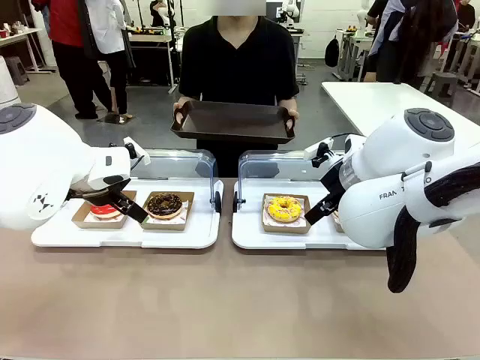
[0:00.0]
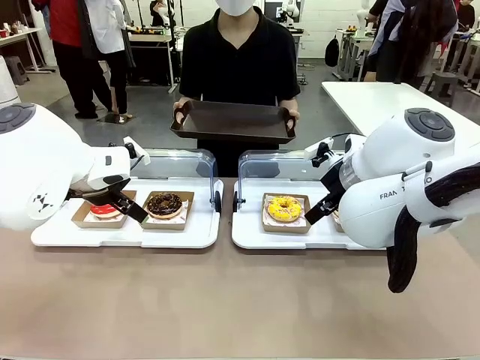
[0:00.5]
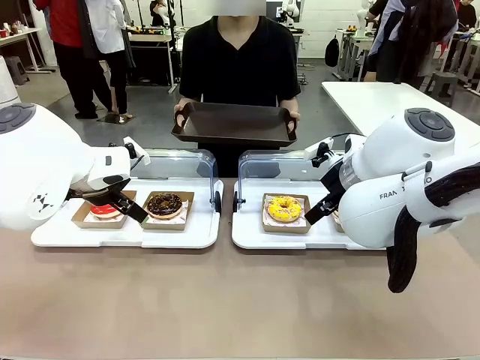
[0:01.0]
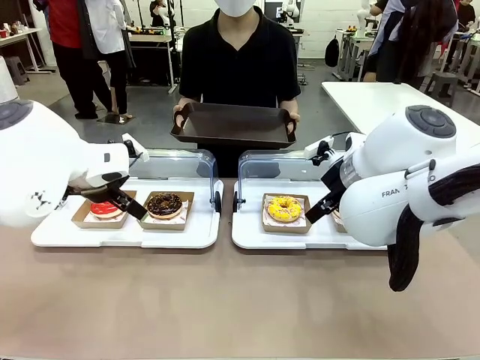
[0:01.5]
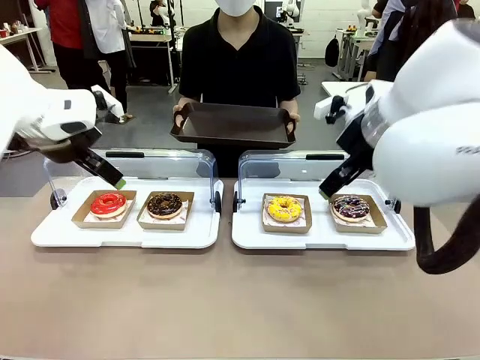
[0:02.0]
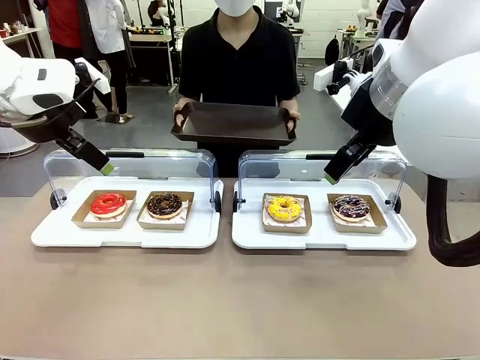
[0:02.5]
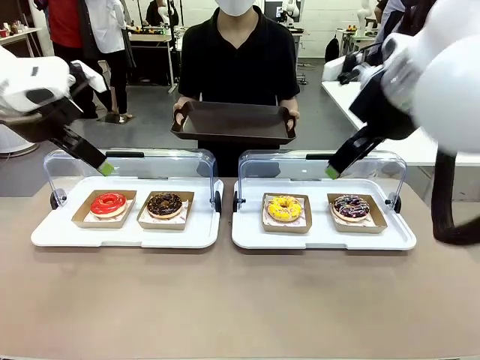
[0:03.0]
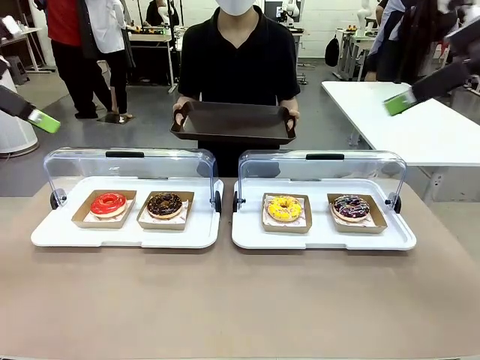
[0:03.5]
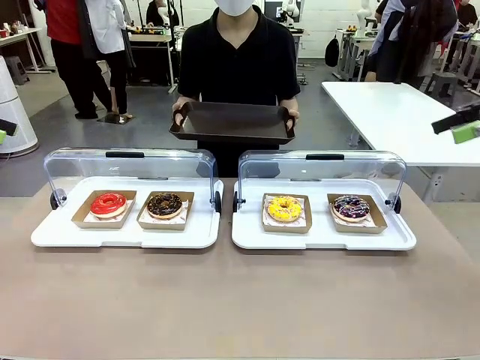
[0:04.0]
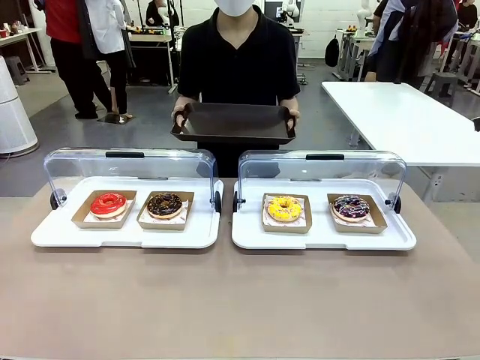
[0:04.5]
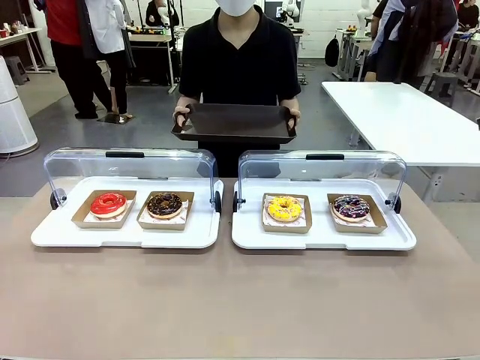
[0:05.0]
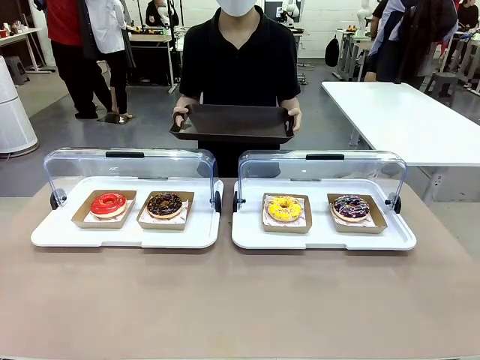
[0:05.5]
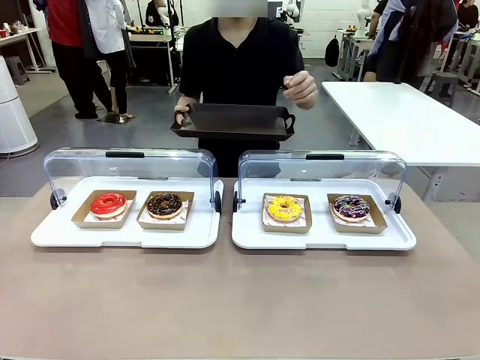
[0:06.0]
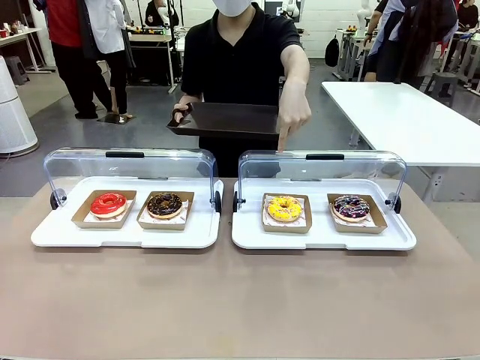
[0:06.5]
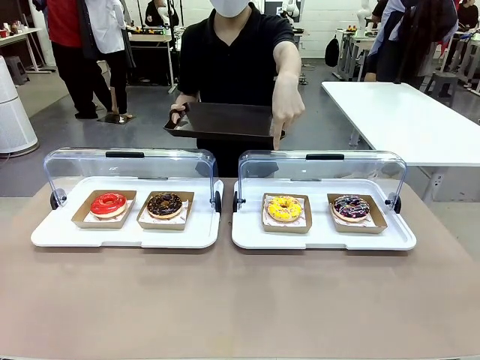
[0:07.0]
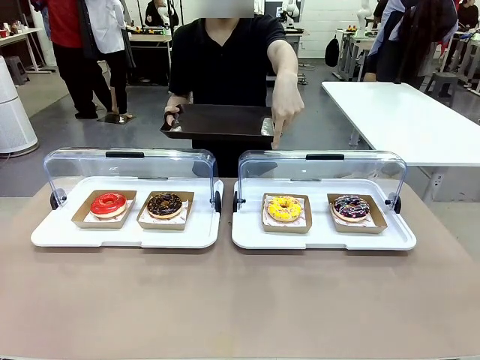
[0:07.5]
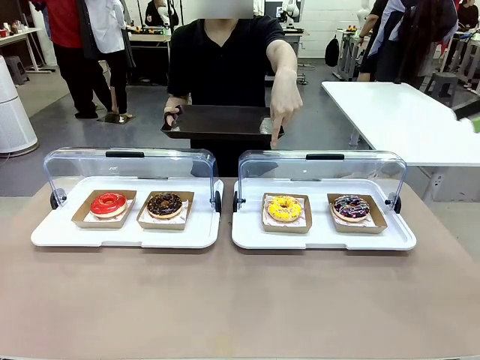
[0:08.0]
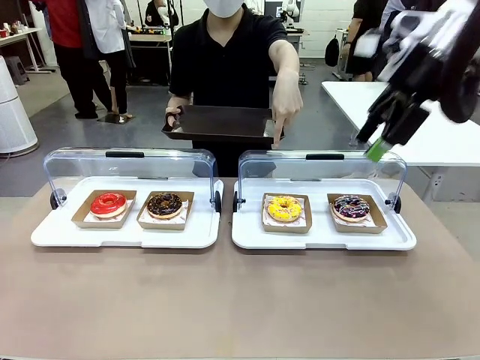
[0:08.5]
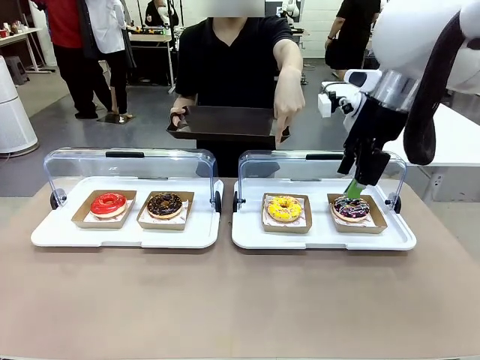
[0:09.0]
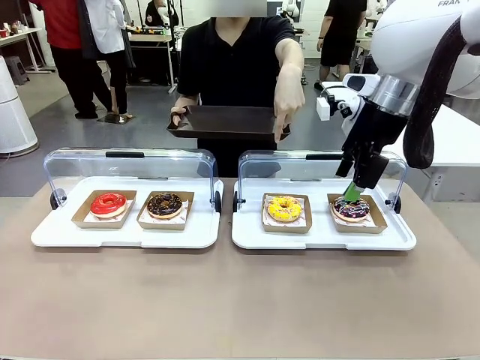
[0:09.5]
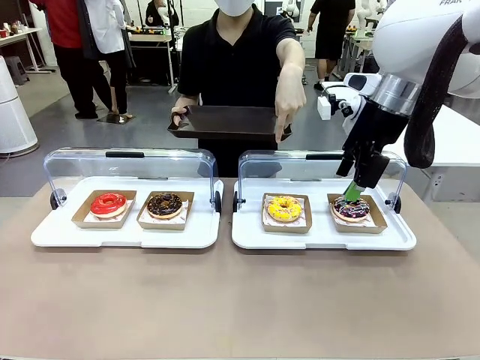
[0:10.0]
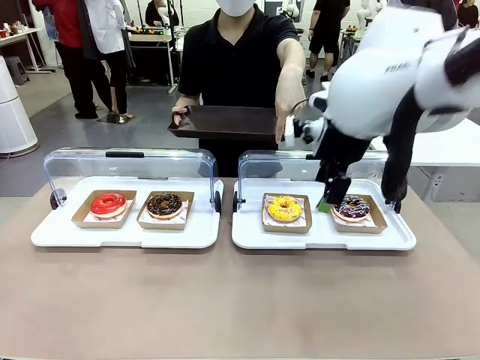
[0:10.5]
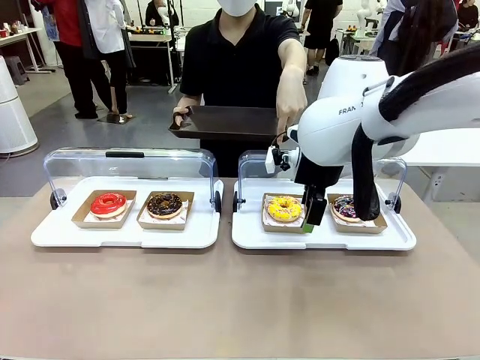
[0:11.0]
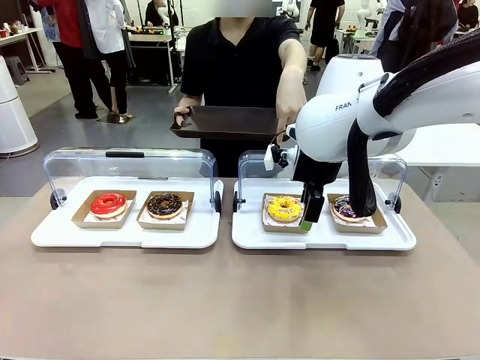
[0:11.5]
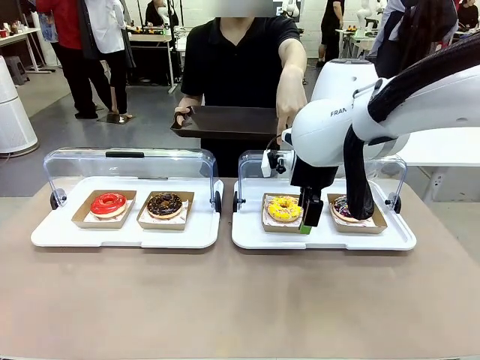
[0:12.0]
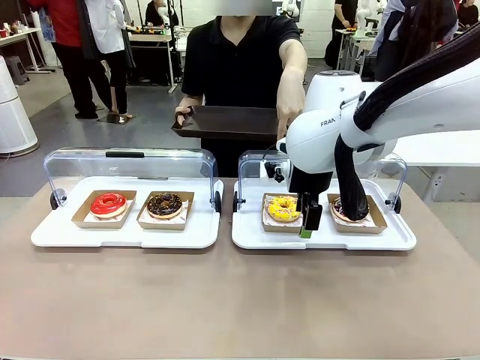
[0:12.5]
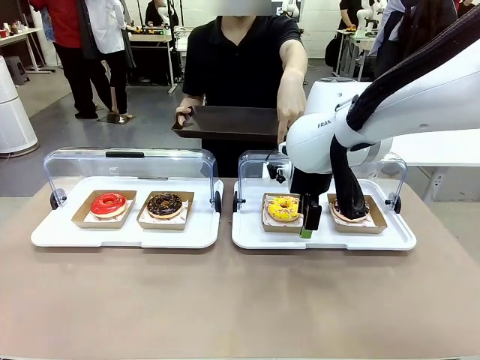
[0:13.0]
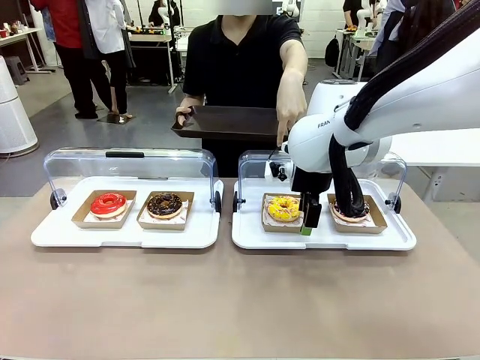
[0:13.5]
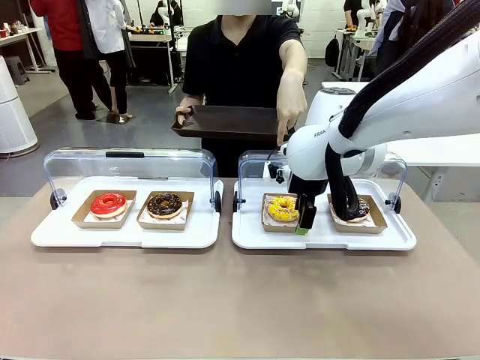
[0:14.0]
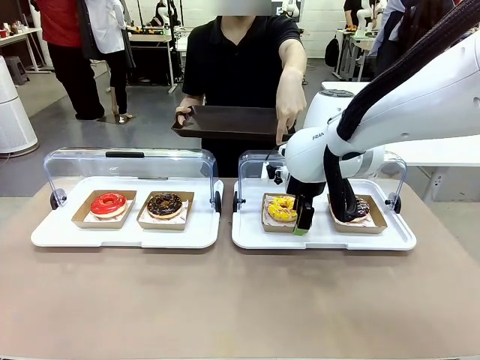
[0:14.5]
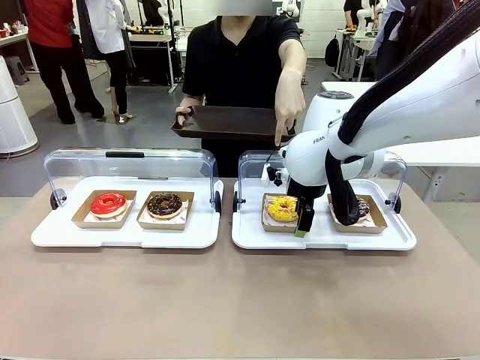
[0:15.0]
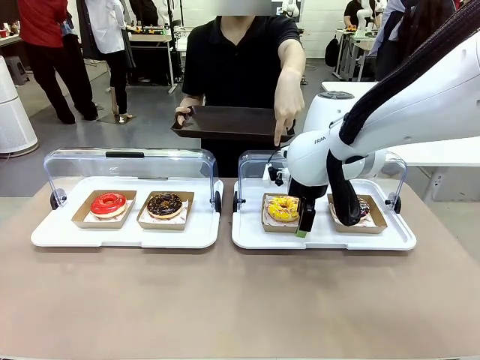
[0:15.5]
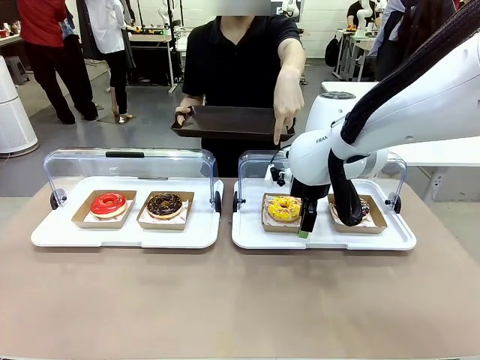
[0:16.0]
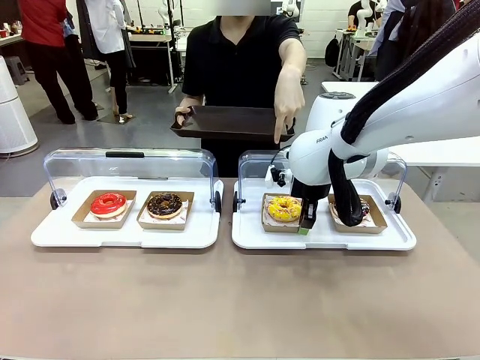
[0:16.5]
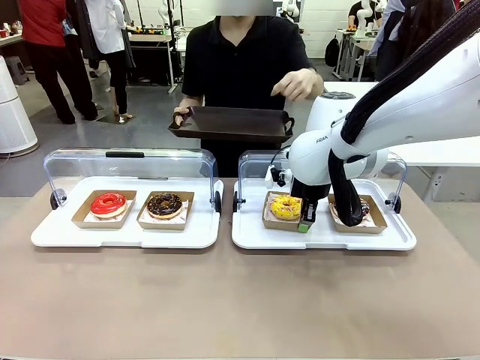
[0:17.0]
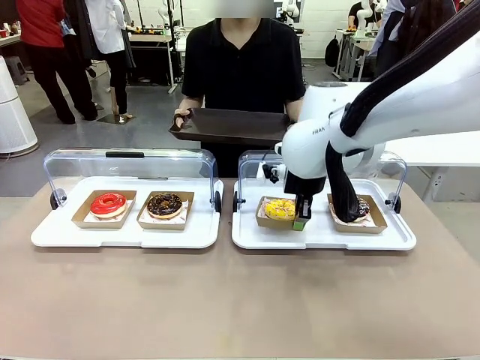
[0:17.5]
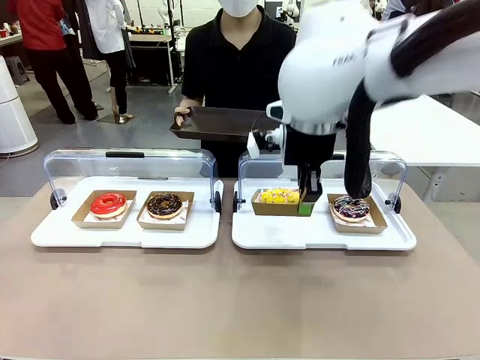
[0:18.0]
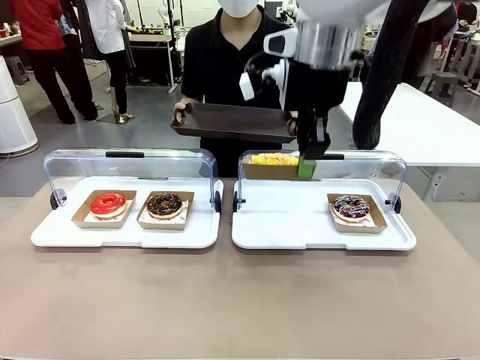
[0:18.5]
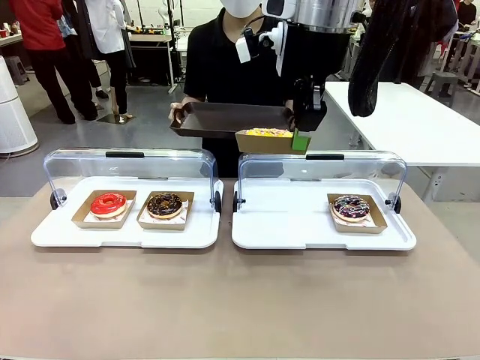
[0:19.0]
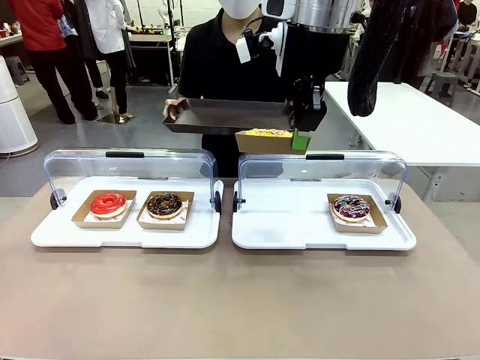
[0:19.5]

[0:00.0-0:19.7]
Task: Provide the desired donut to the person.
Robot: Pick up and lift the Paper togo box containing the Donut pointed at by the person.
Person: Point to one donut. Lift the tray onto the Roll-Top Bakery Case.

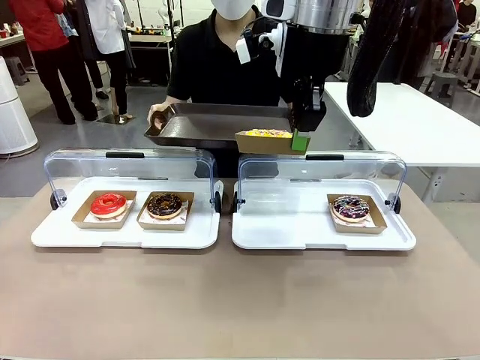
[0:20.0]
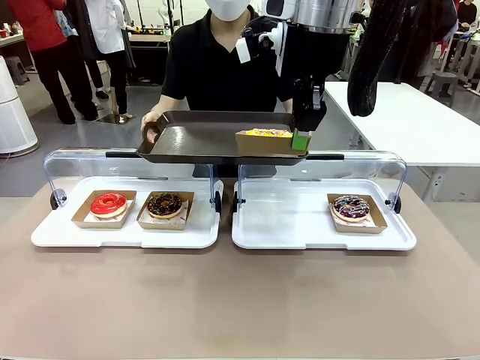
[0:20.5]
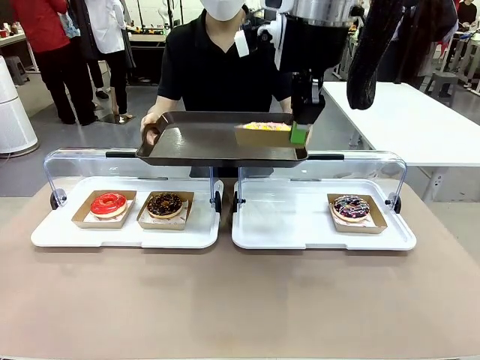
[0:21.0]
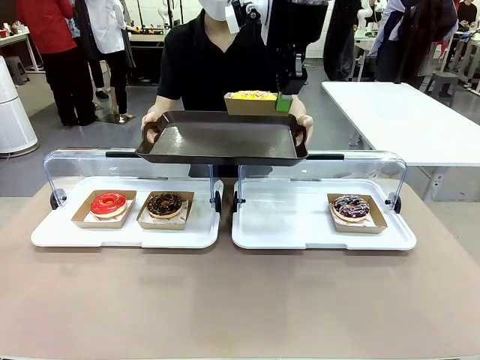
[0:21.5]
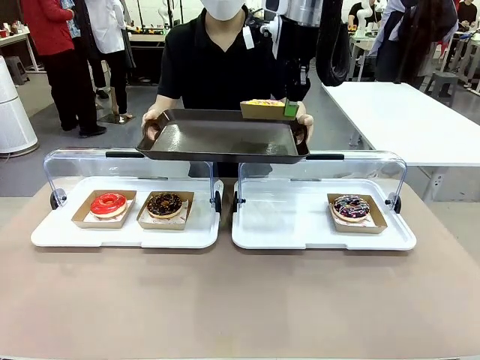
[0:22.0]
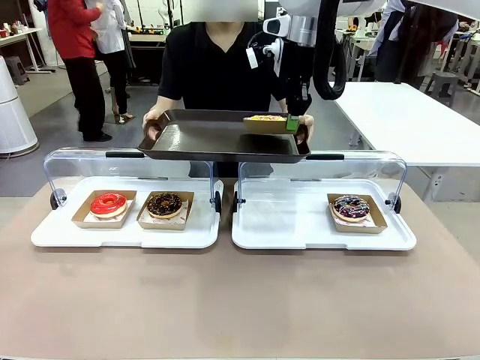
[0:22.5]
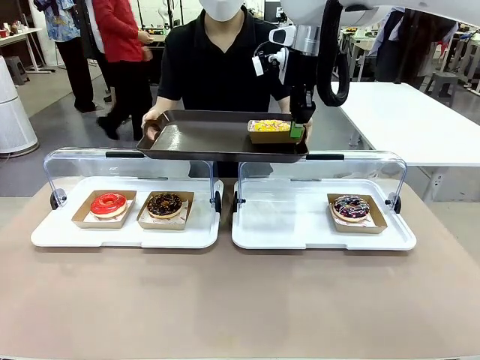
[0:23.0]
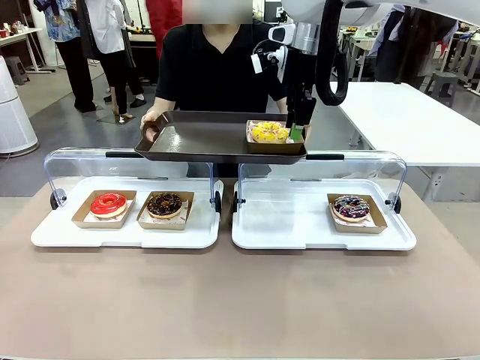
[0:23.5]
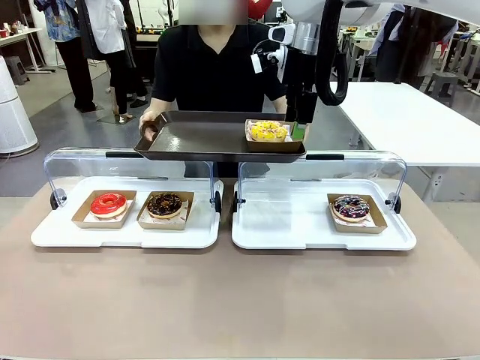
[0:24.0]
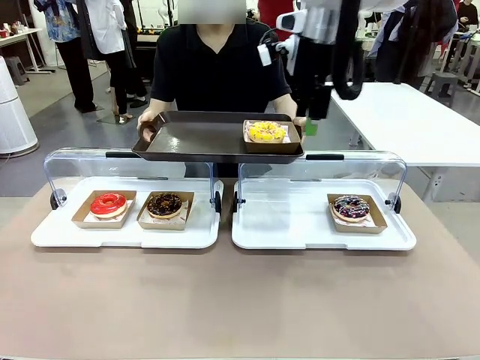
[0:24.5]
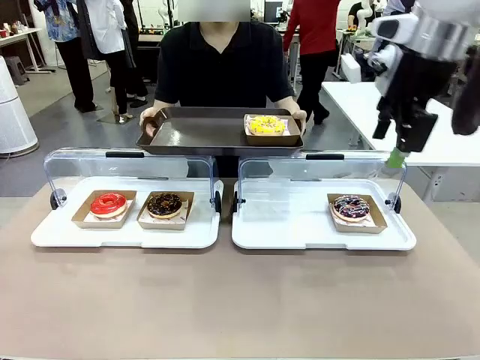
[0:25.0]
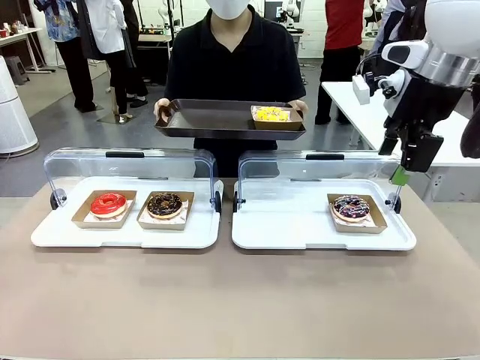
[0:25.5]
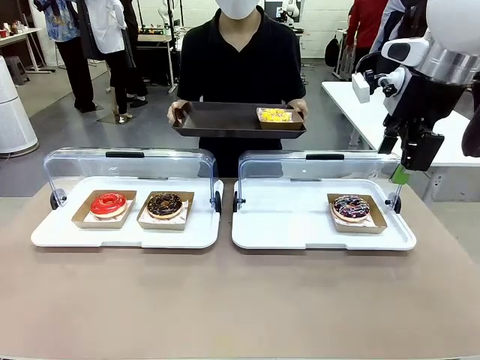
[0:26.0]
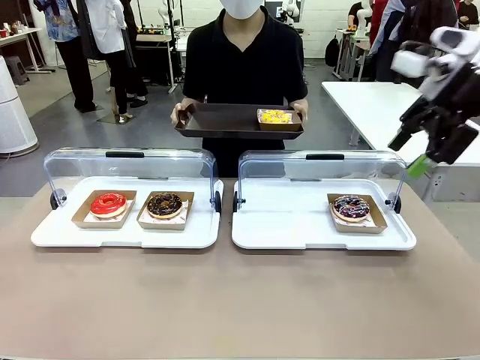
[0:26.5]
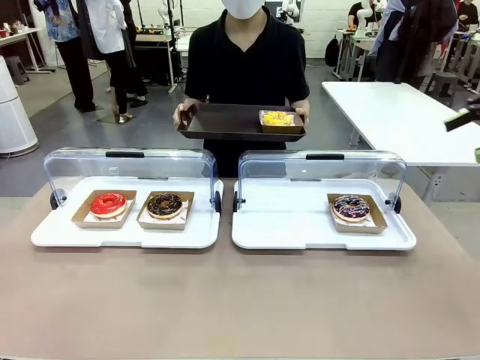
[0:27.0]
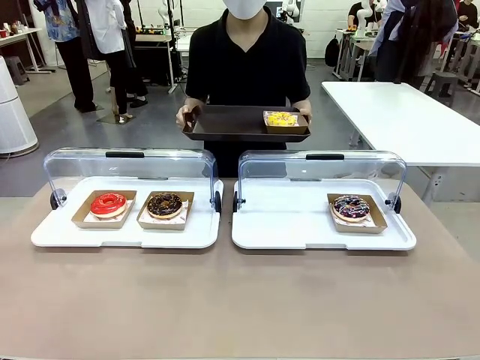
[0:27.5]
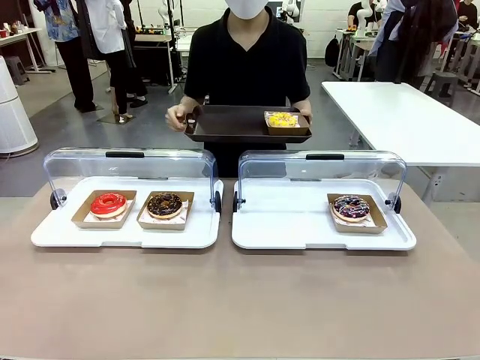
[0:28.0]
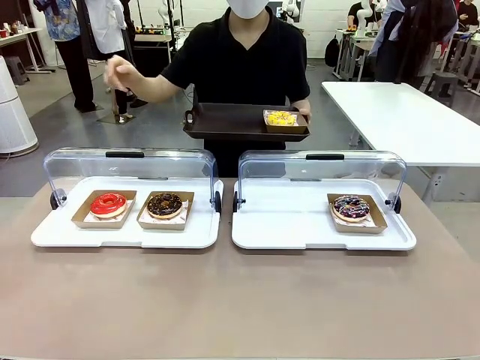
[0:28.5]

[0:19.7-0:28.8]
Robot: Place the picked Paper togo box onto the Handle tray extended by the person.
Person: Point to one donut.
